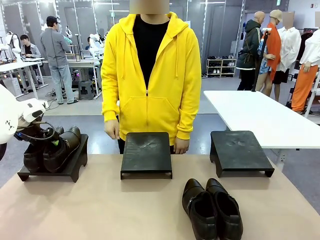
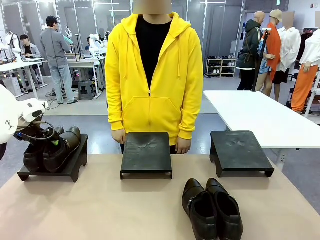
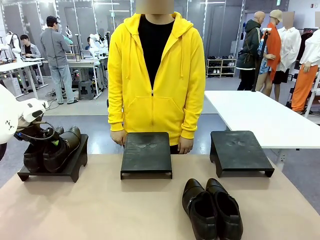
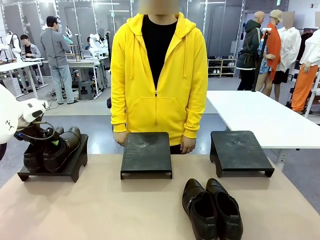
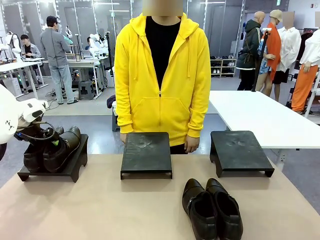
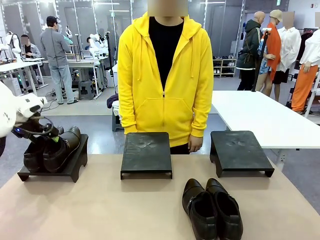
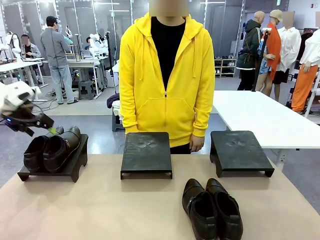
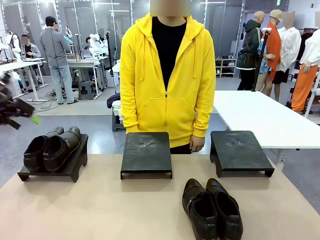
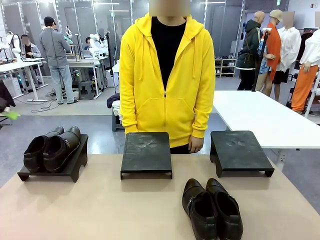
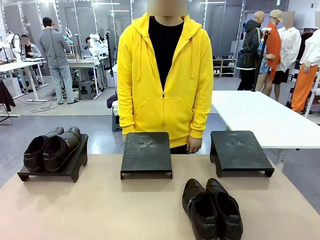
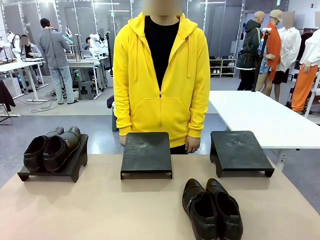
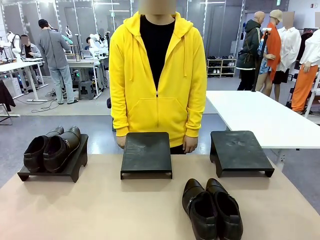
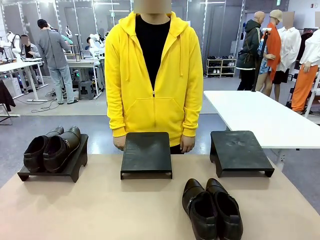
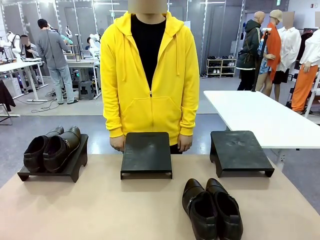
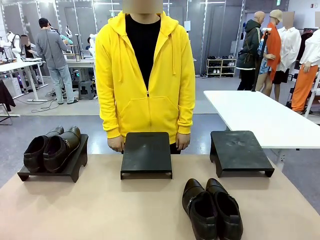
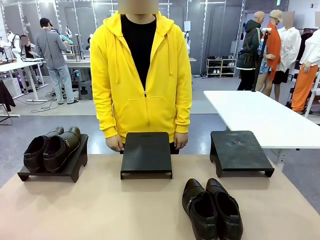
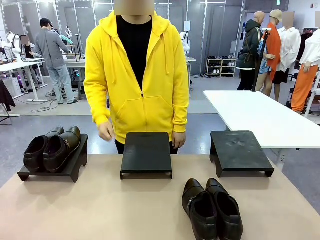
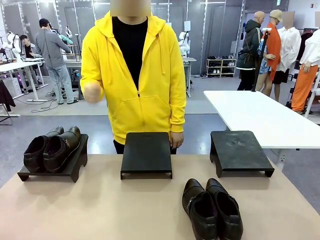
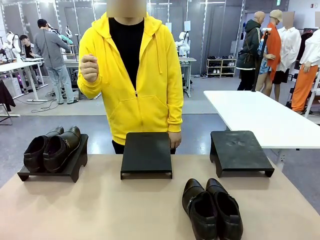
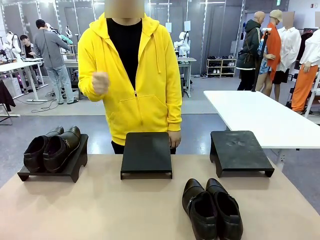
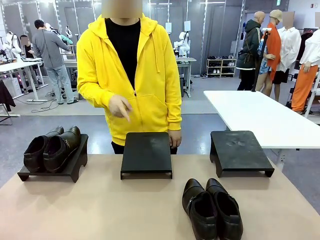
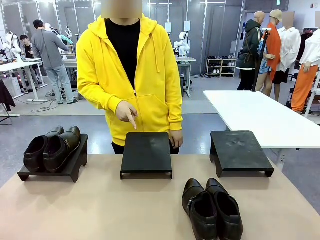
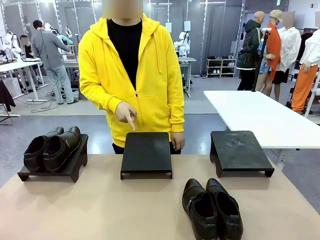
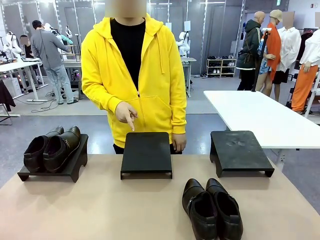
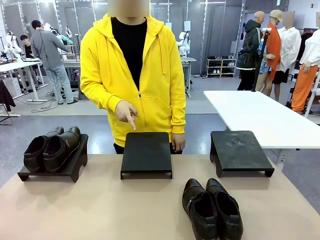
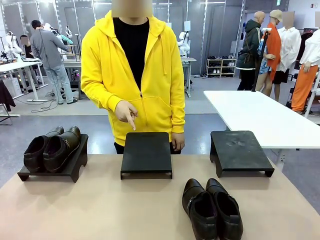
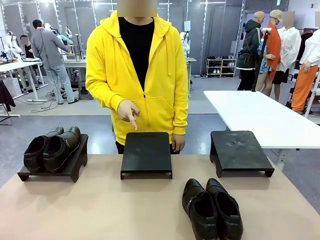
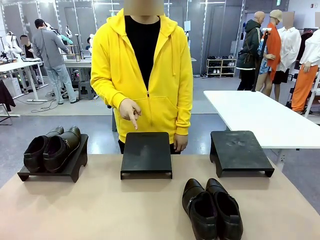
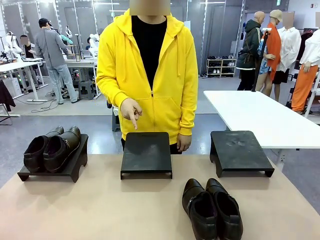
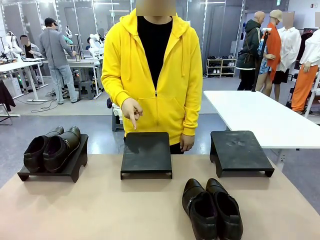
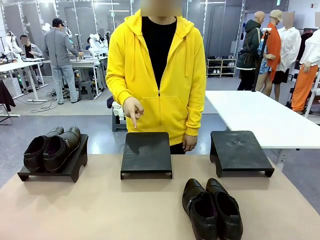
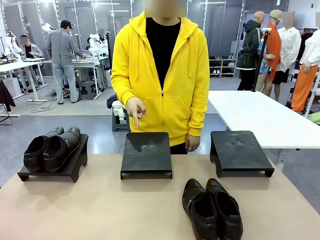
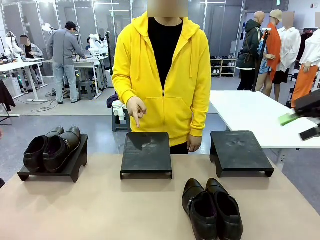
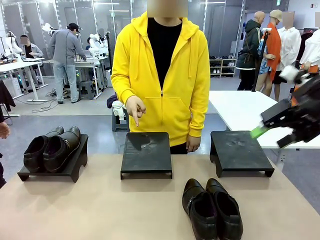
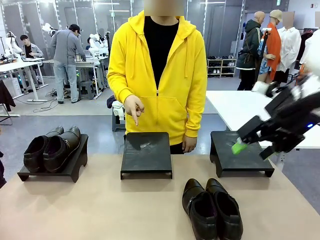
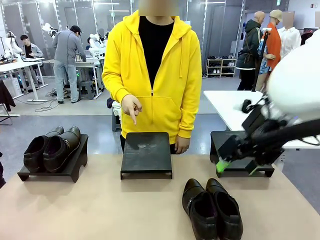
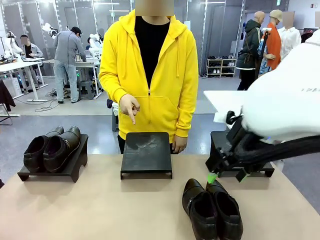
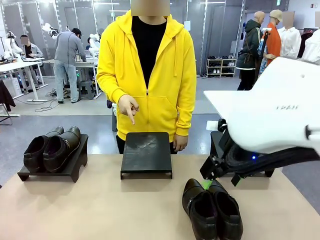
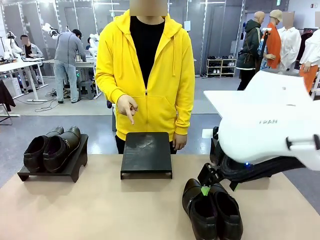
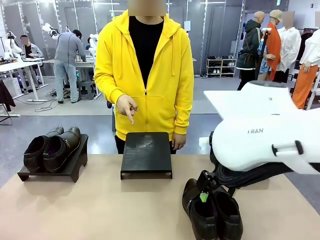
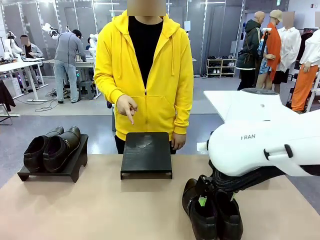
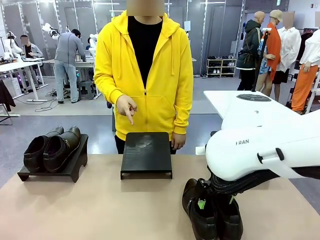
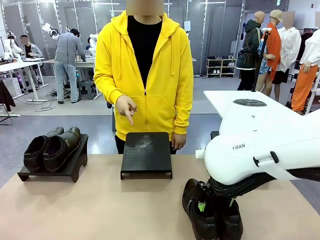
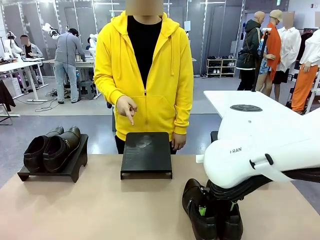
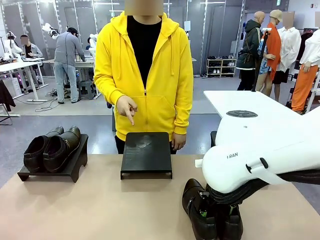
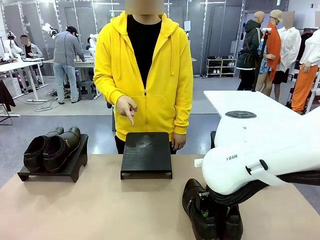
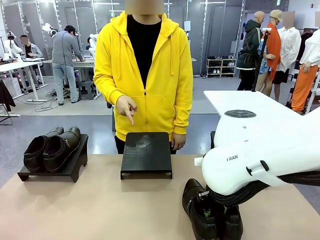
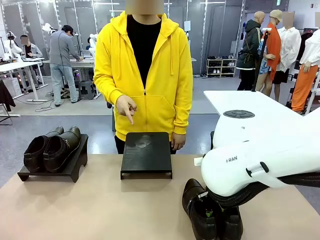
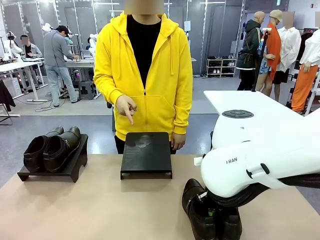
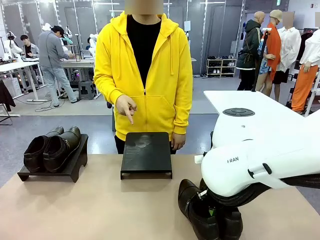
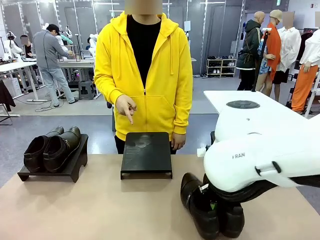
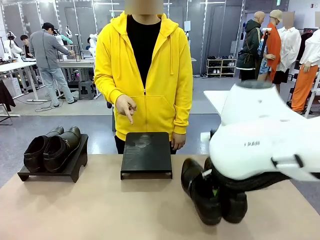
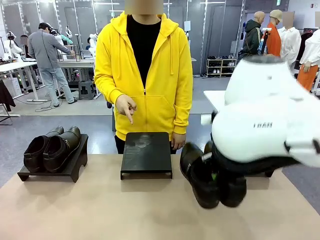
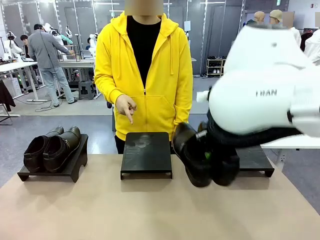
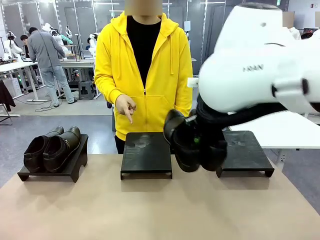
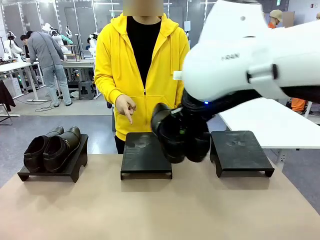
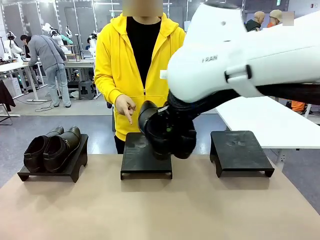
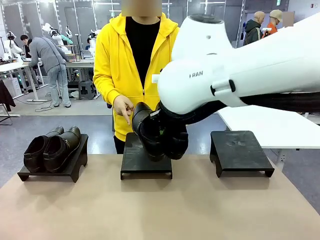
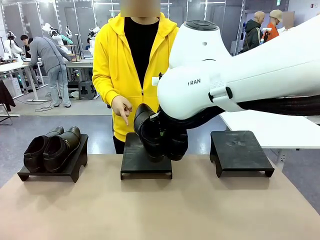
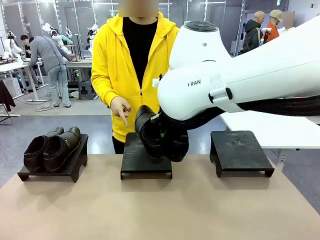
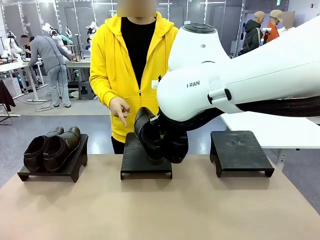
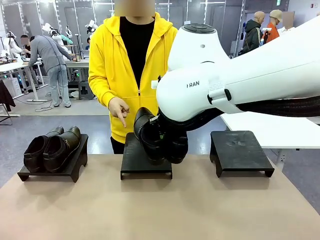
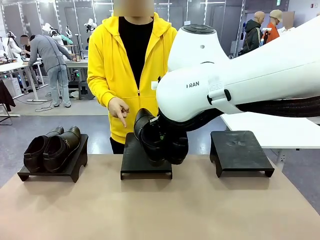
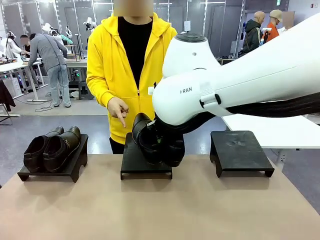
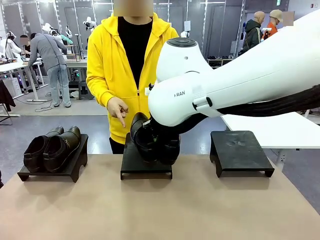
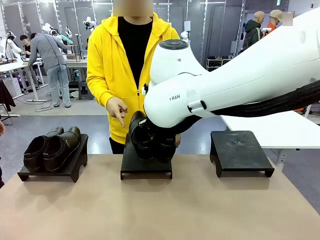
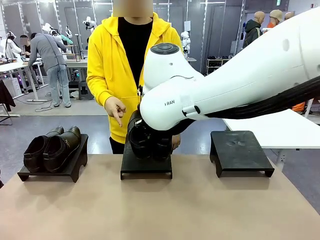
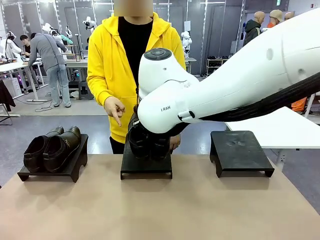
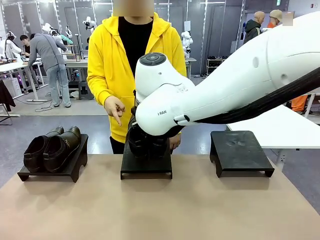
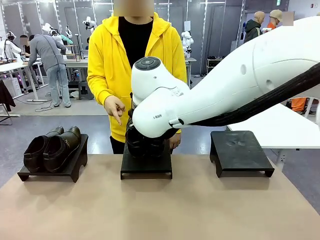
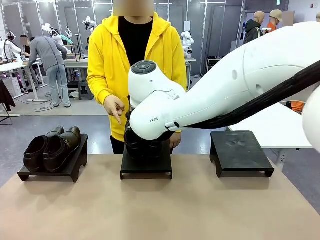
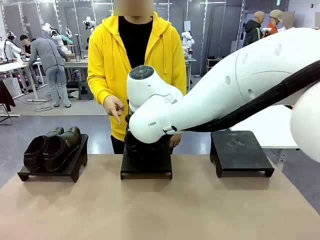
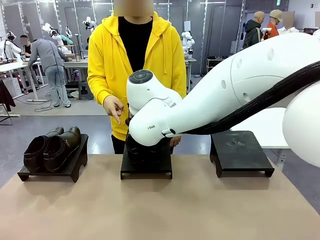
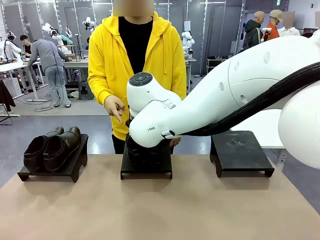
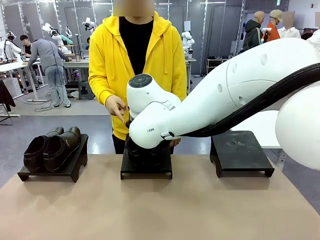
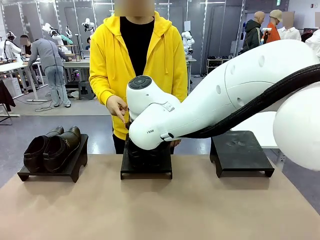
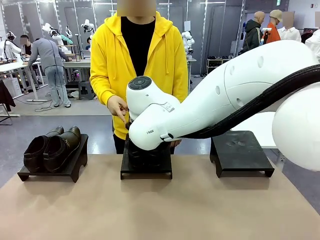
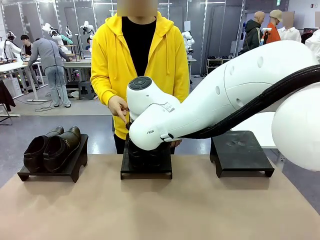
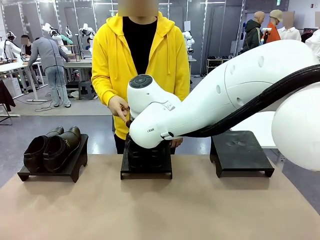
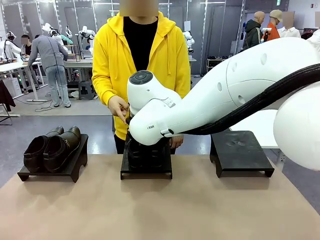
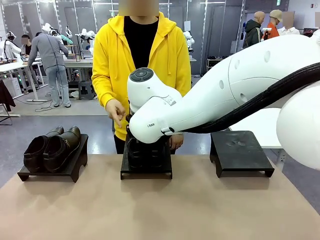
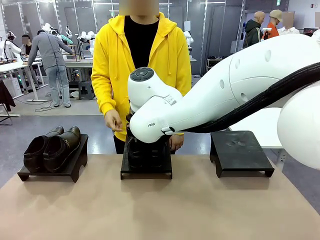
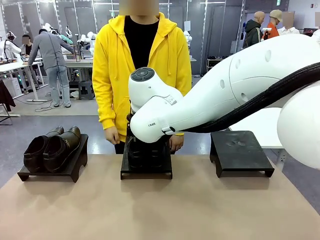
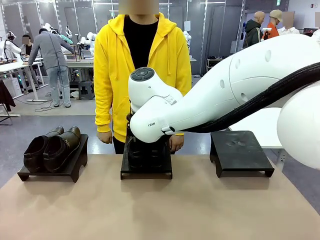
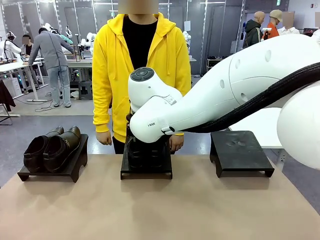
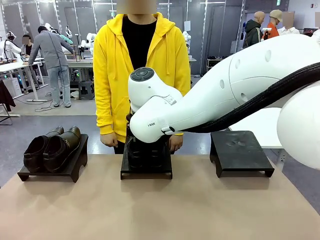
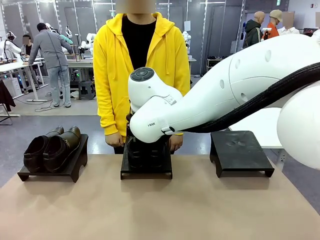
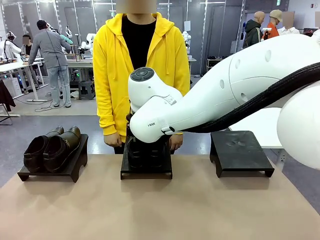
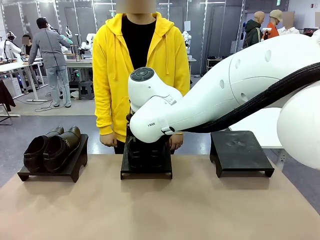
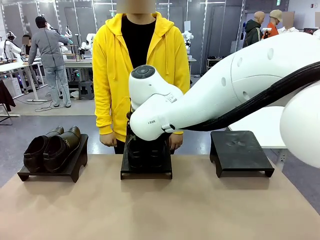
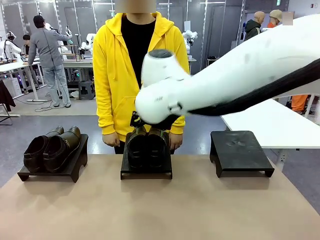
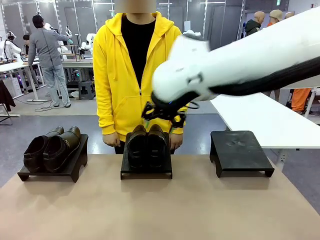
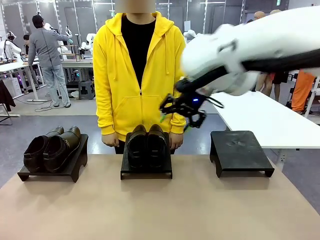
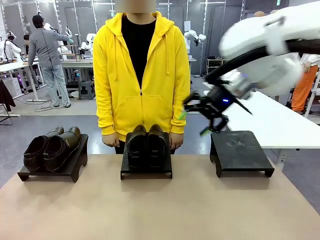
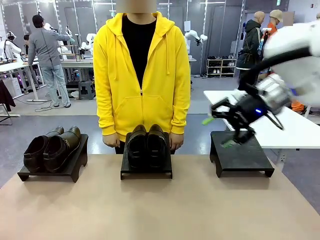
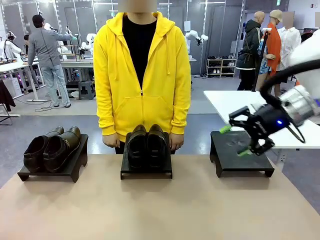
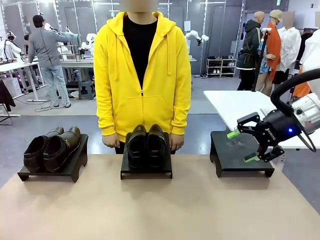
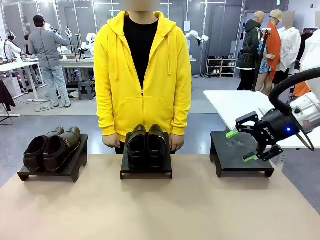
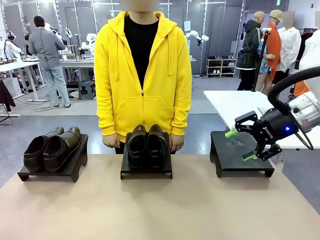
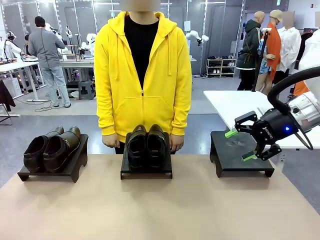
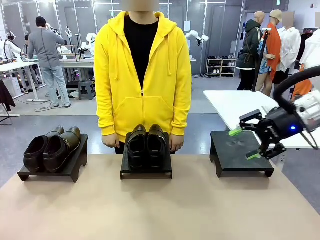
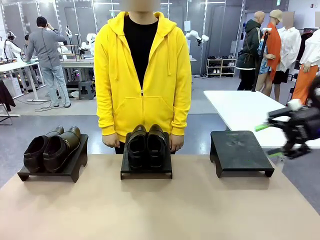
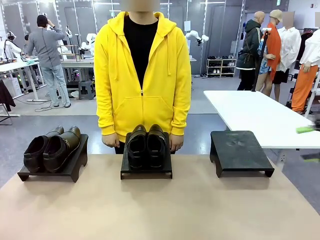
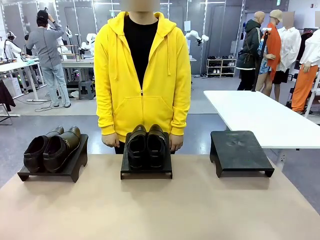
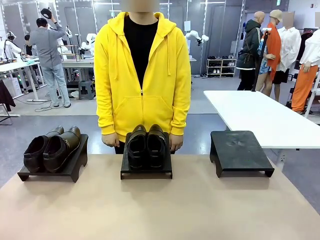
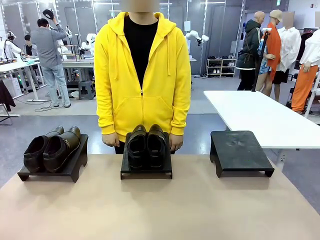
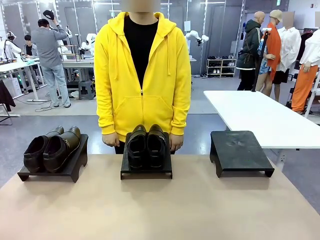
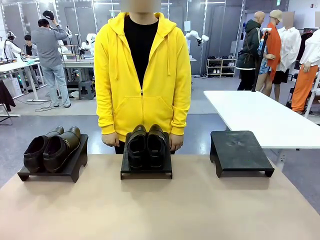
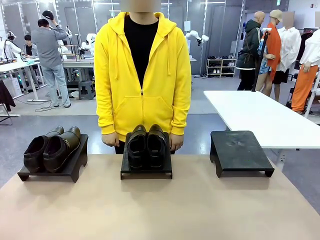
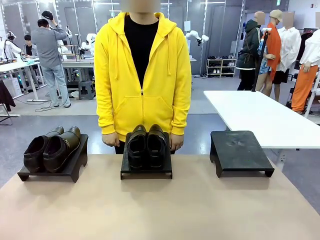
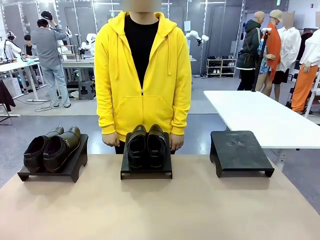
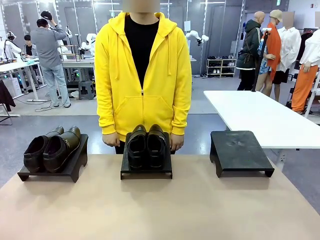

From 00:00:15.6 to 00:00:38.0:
Task: Place the shoes on the stand as instructed by the person.
Robot: Pick up another pair of Shoes and place it on the Shoes Stand indicated by the person.
Person: Point to one Shoes Stand.
